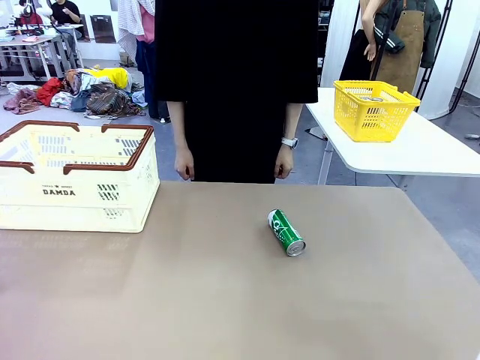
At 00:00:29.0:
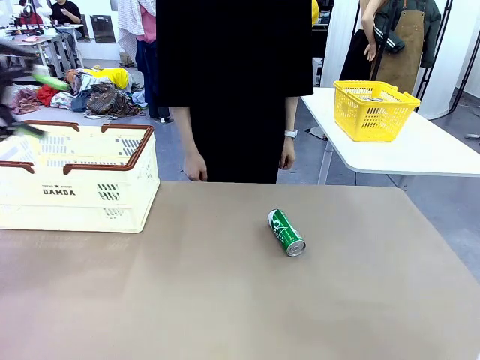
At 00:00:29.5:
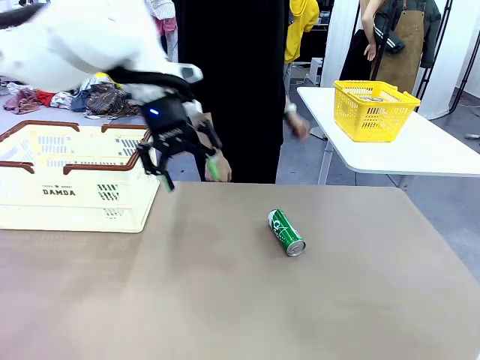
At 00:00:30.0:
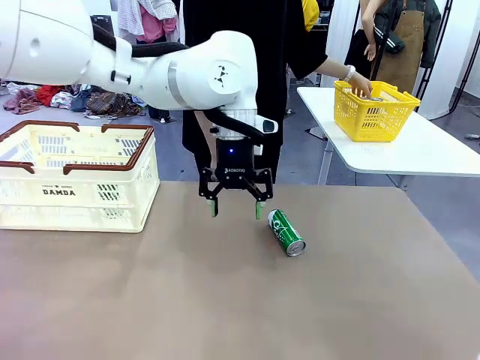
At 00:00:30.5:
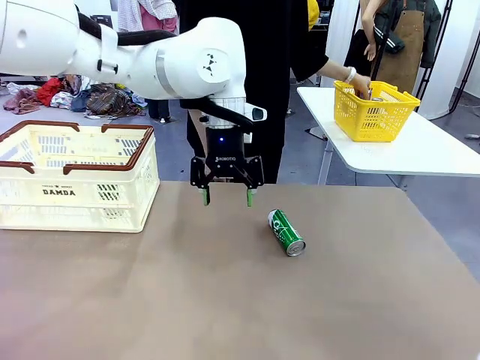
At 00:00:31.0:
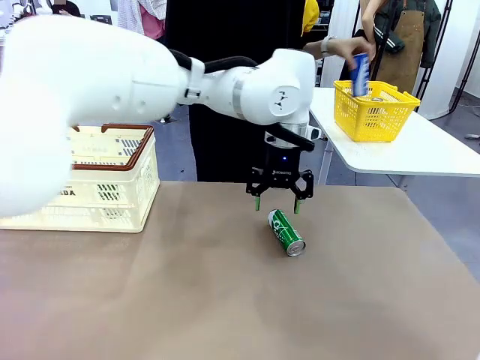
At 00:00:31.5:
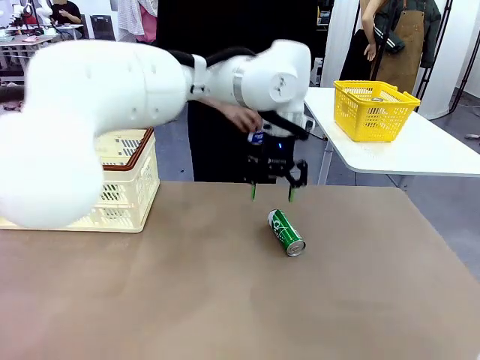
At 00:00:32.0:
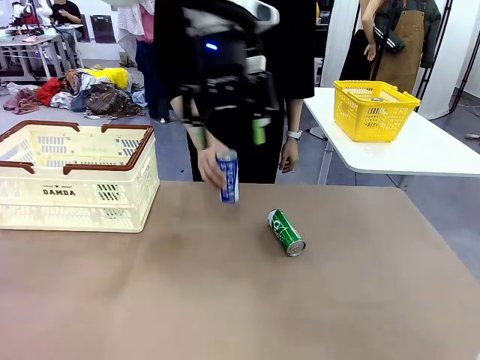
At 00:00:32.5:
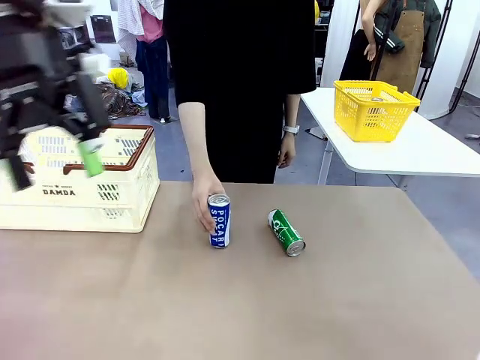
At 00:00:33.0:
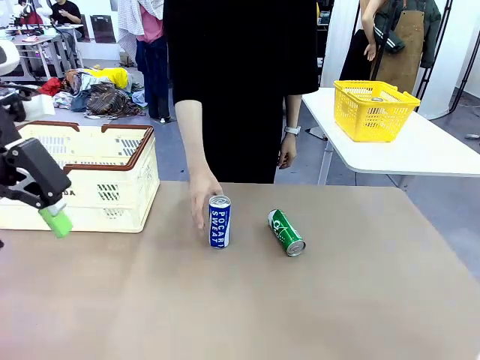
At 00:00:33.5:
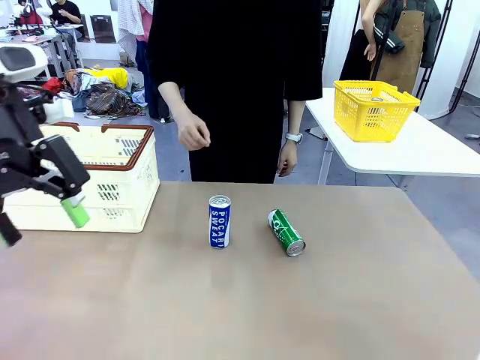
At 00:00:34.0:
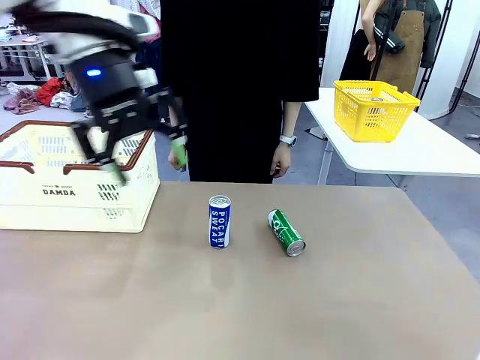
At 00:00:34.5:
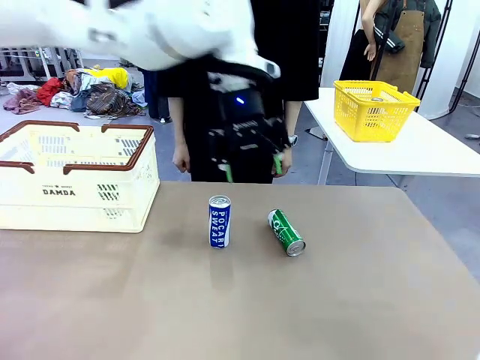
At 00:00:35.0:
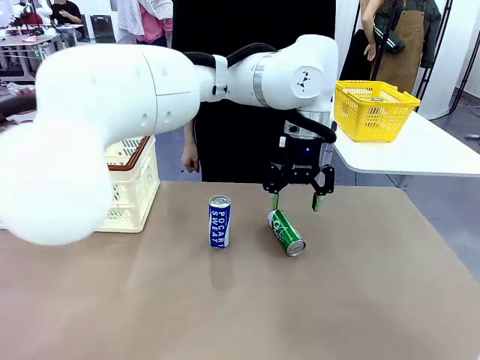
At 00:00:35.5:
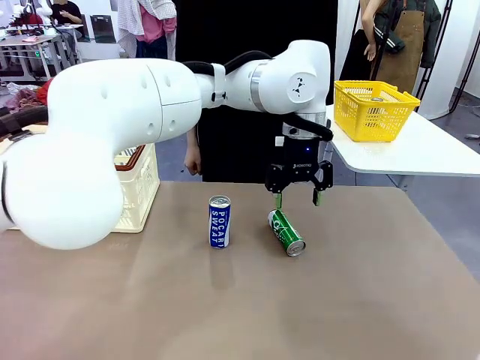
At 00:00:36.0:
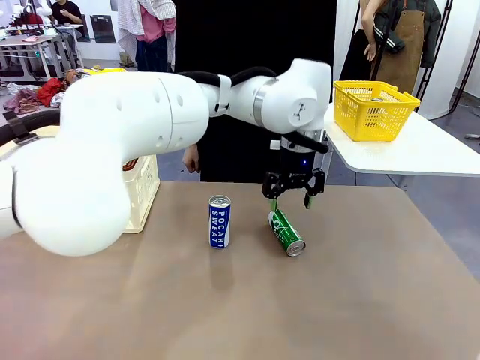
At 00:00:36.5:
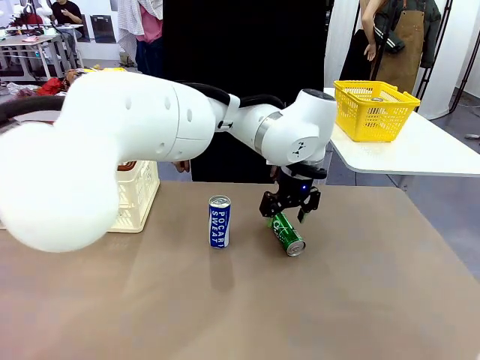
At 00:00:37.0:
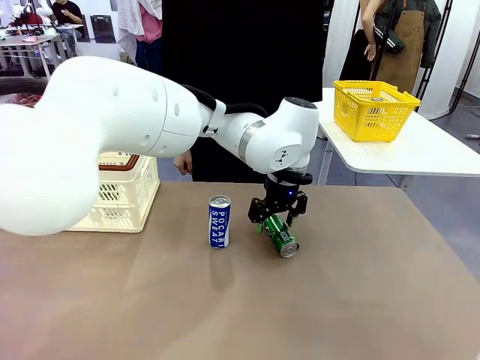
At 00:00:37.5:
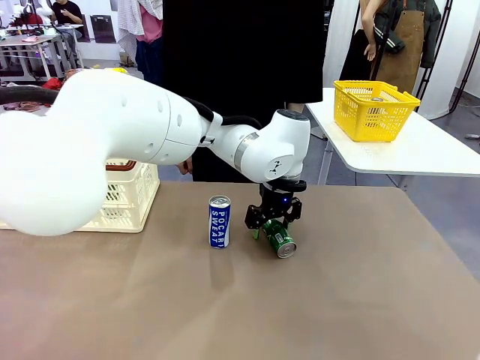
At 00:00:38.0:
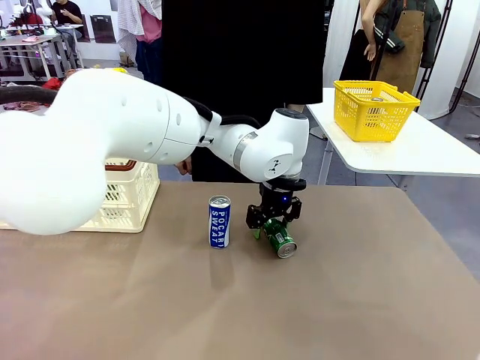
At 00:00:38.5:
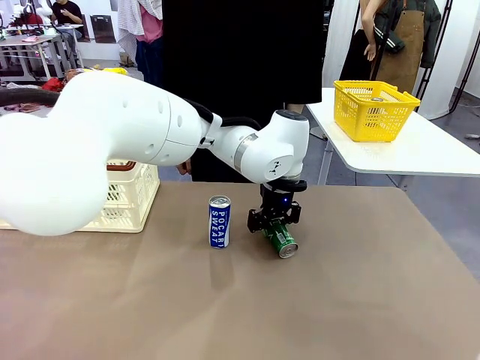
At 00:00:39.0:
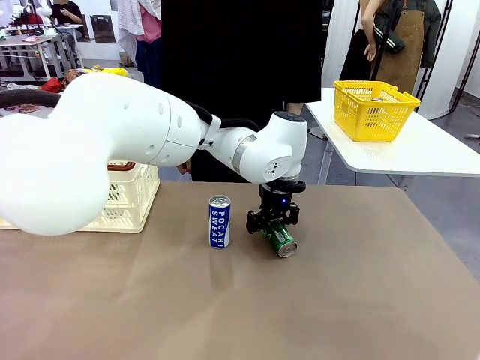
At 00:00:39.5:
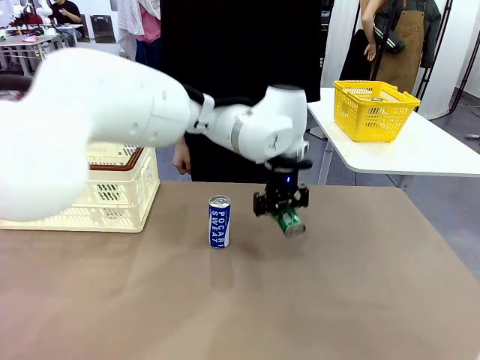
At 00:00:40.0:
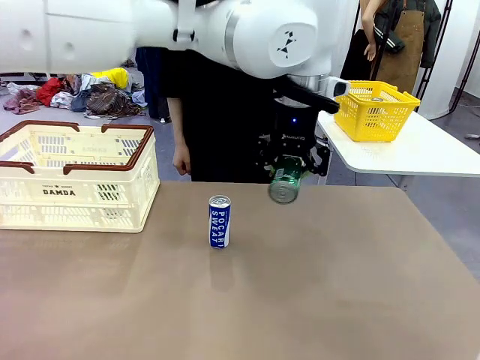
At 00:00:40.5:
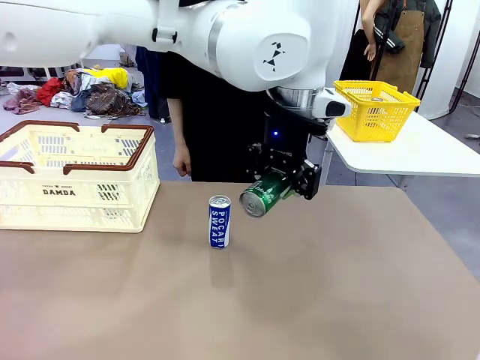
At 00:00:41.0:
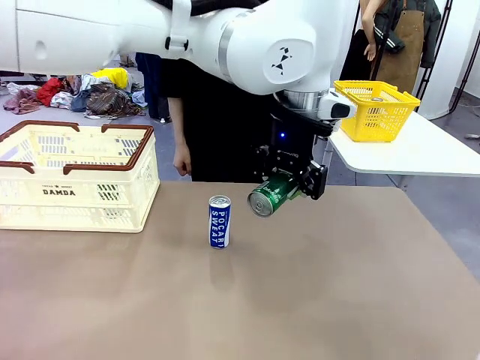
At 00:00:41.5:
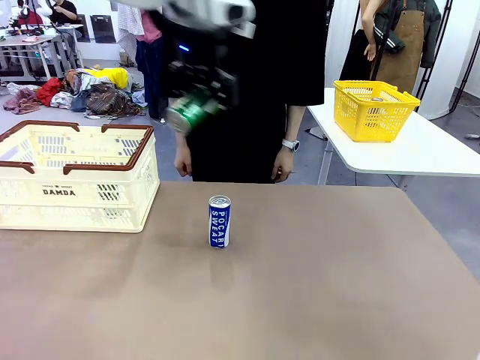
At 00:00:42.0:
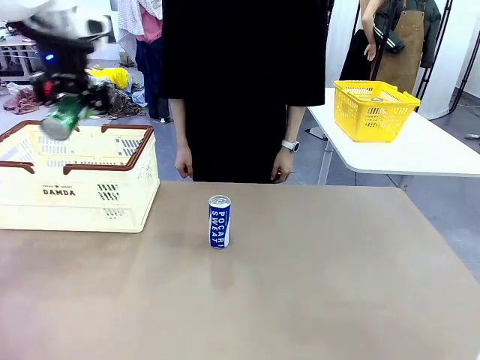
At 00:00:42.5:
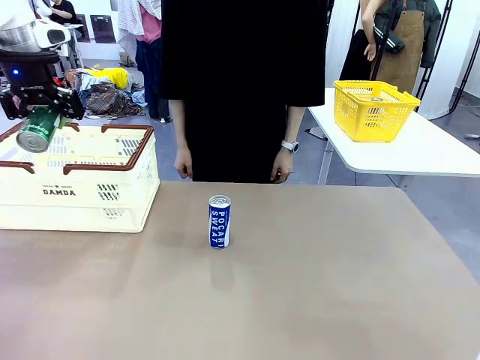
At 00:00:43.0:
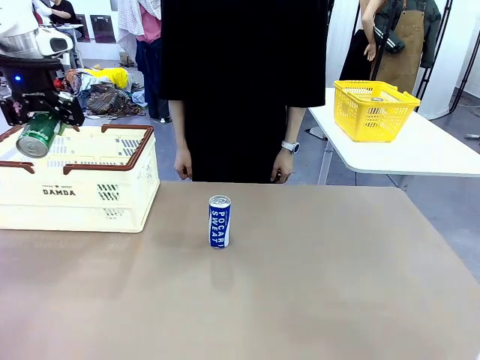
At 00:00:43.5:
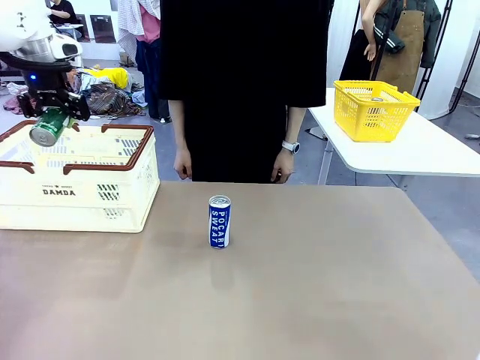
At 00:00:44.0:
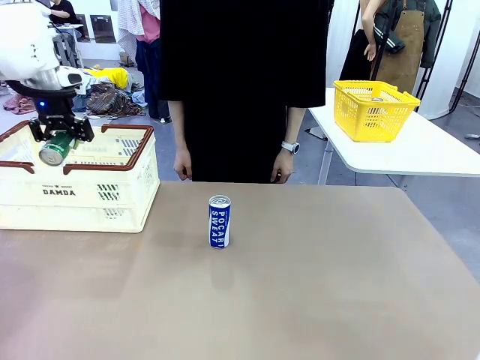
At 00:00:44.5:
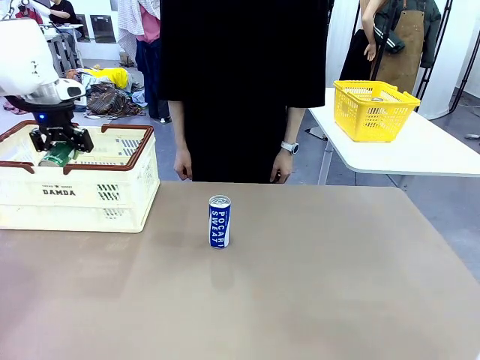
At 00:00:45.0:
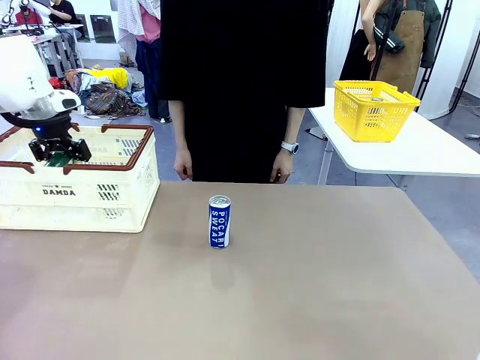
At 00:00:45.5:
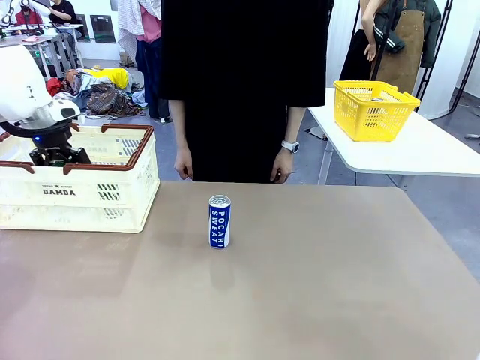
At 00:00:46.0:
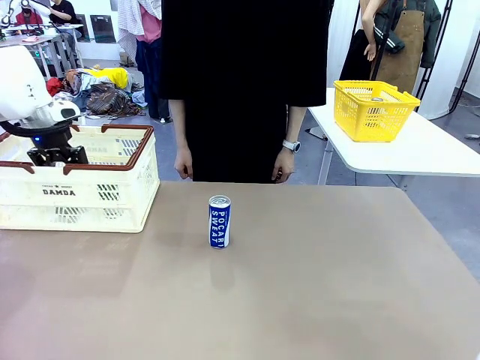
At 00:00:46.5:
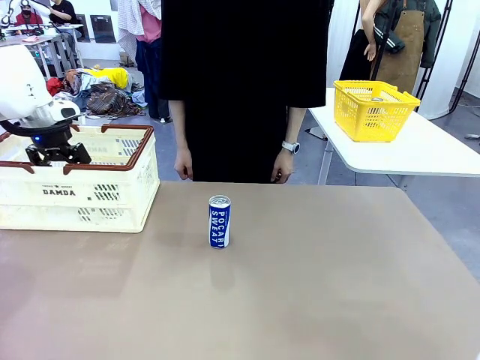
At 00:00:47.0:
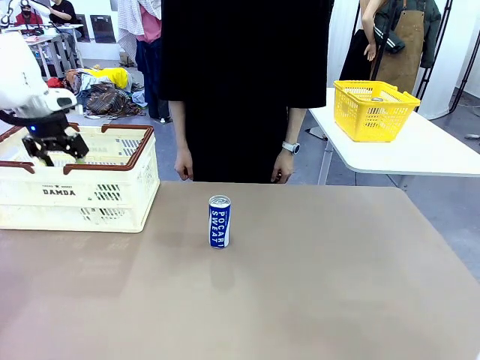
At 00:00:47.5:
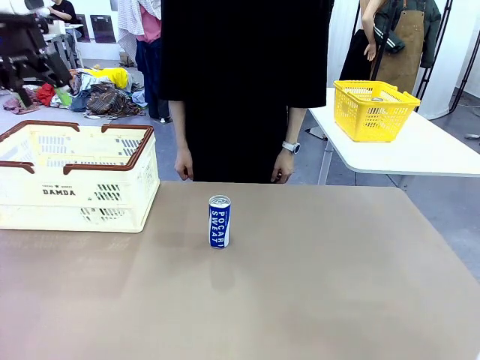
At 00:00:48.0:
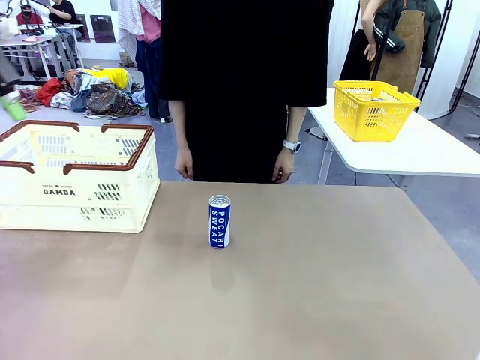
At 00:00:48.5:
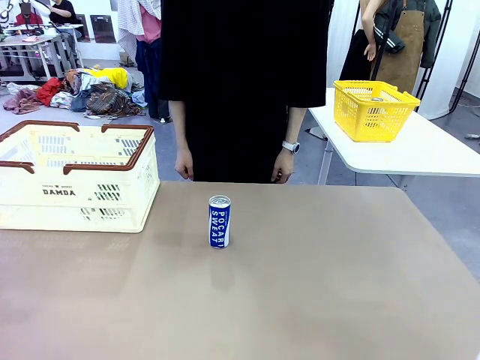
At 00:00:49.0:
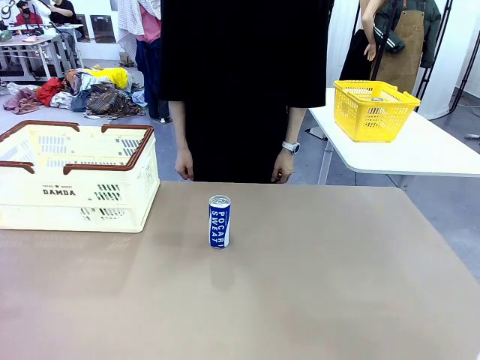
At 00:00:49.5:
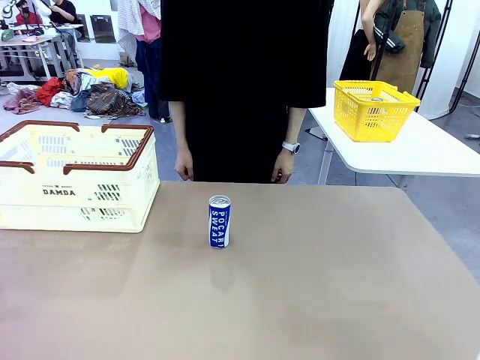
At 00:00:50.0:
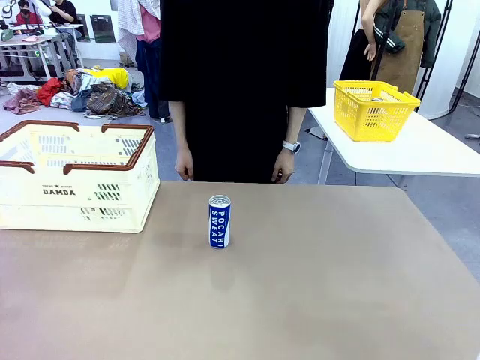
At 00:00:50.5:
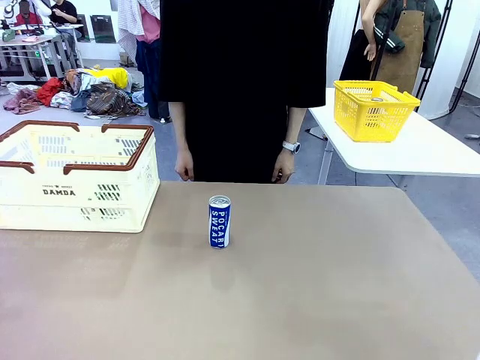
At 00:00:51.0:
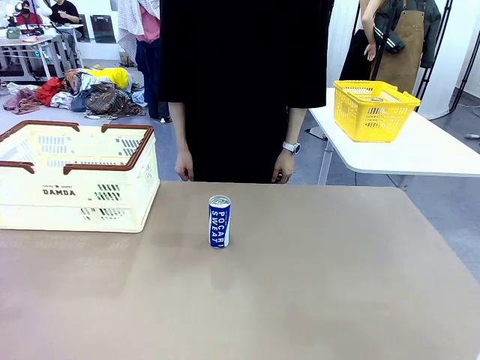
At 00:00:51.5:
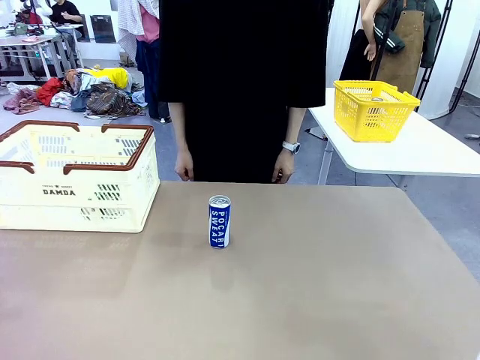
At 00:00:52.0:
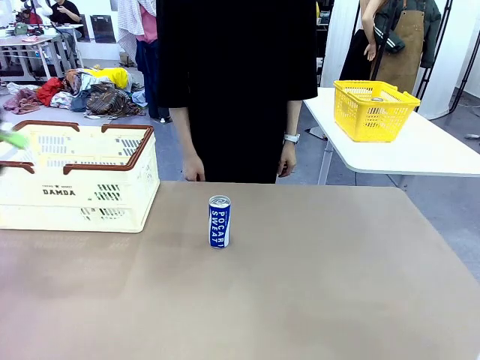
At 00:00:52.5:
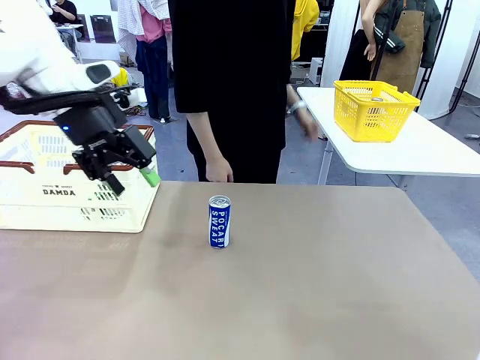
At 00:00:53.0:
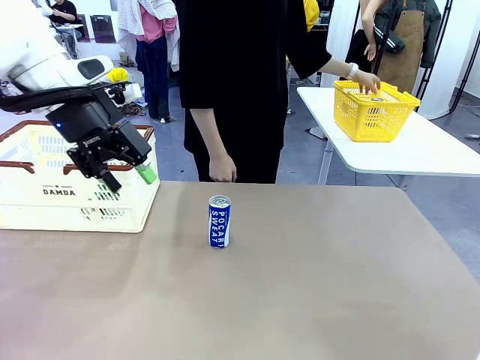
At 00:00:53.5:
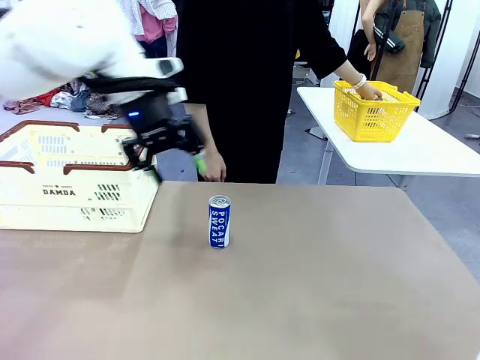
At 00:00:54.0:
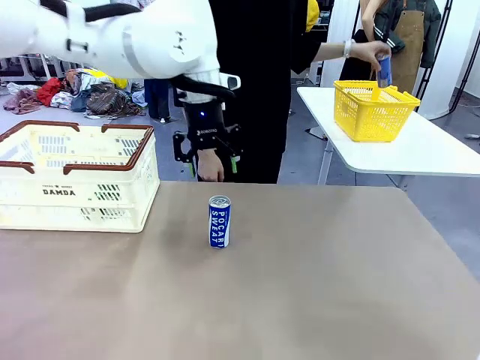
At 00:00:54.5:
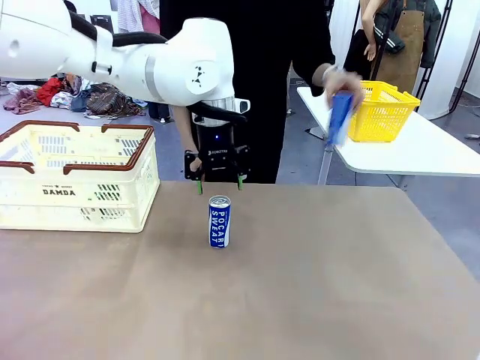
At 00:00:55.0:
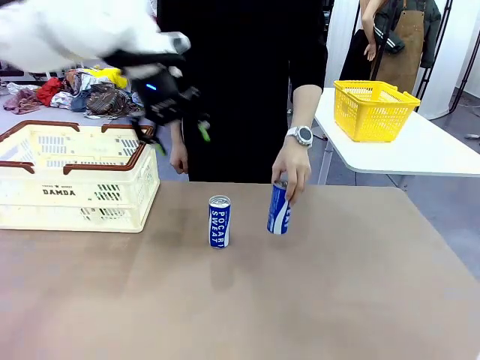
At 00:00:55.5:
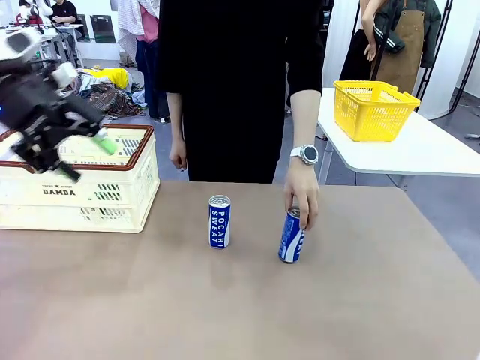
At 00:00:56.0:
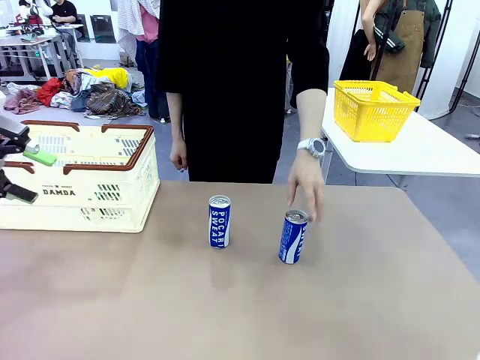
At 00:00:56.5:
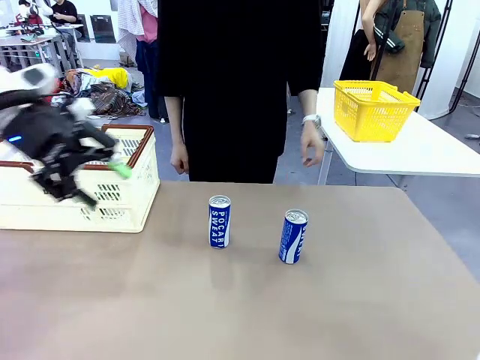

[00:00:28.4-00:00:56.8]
Task: Place the drinks into the Shopping basket.
Robot: Pick up one drink and place it into the Shopping basket.
